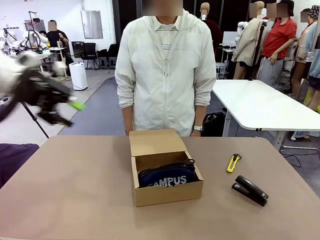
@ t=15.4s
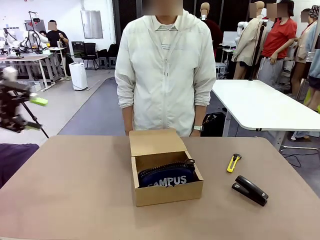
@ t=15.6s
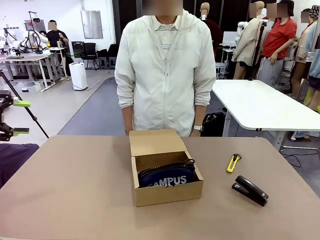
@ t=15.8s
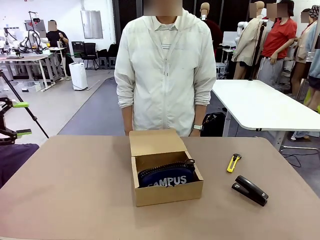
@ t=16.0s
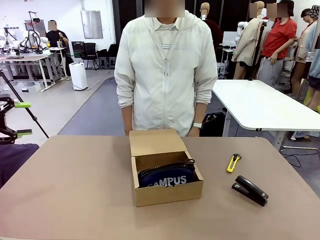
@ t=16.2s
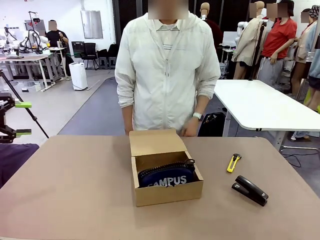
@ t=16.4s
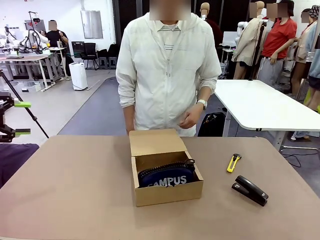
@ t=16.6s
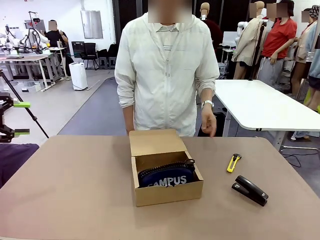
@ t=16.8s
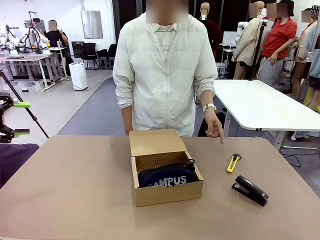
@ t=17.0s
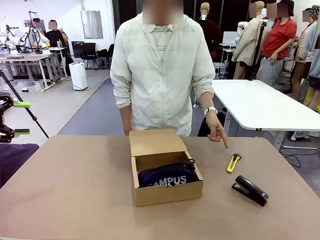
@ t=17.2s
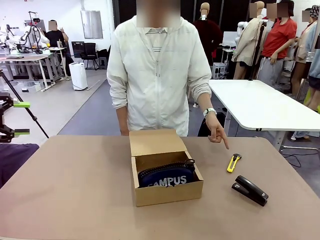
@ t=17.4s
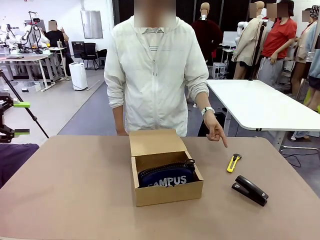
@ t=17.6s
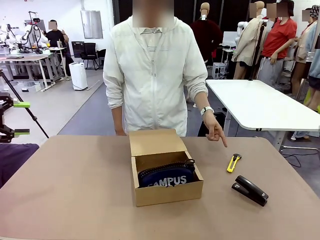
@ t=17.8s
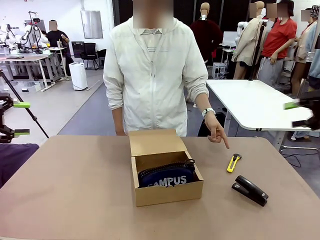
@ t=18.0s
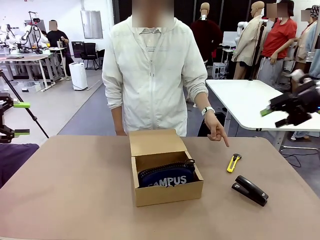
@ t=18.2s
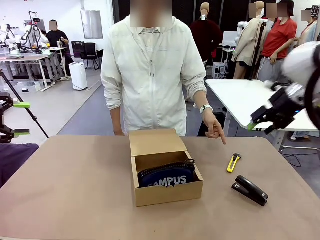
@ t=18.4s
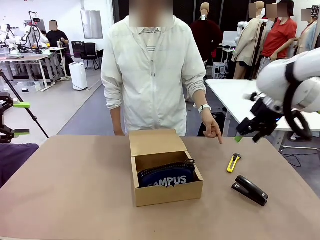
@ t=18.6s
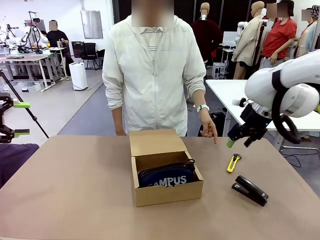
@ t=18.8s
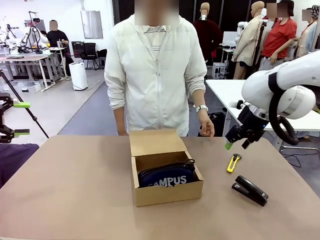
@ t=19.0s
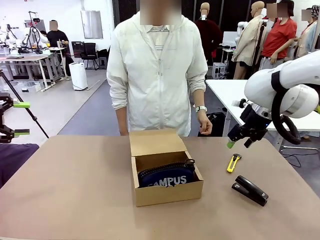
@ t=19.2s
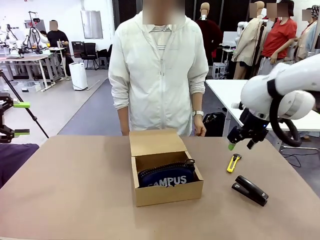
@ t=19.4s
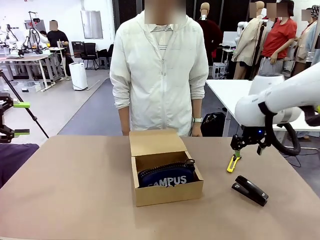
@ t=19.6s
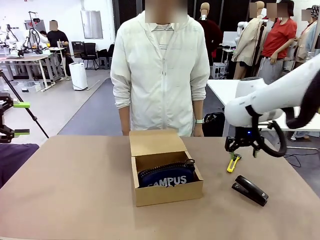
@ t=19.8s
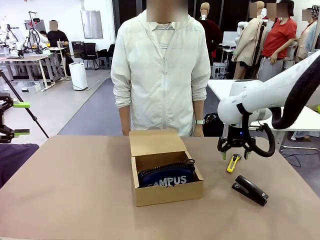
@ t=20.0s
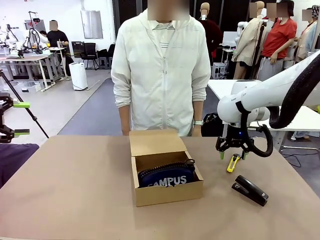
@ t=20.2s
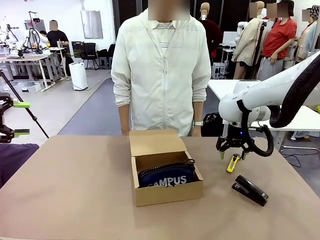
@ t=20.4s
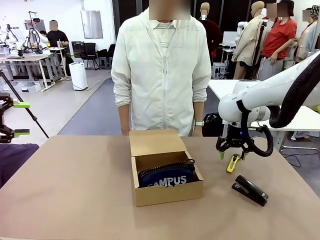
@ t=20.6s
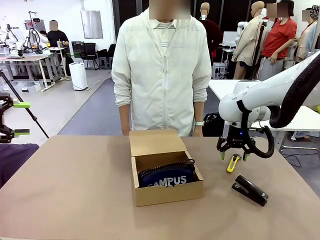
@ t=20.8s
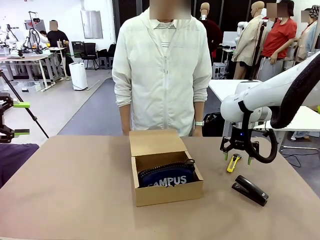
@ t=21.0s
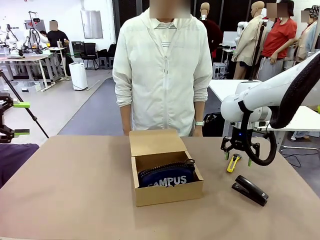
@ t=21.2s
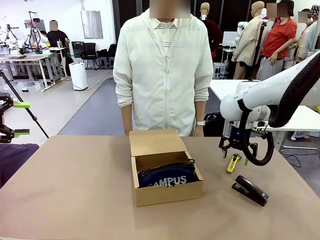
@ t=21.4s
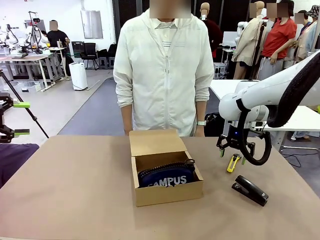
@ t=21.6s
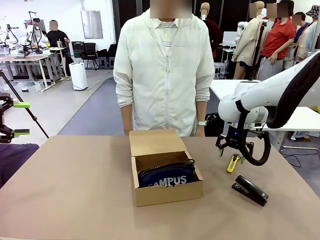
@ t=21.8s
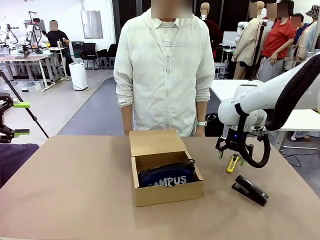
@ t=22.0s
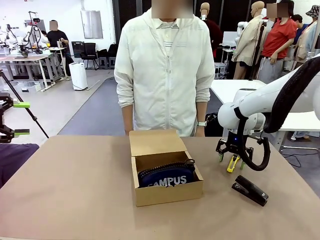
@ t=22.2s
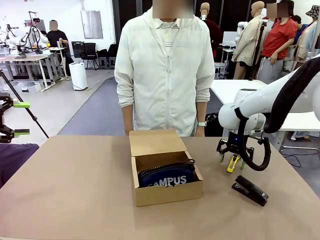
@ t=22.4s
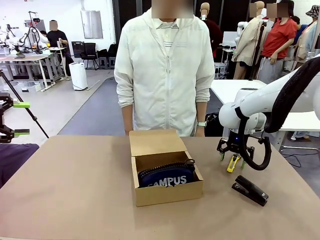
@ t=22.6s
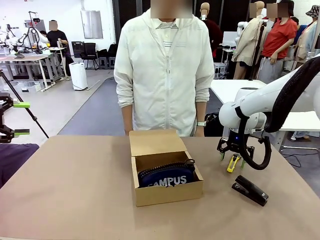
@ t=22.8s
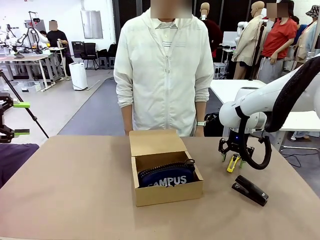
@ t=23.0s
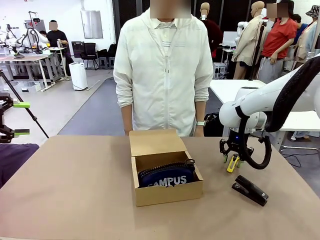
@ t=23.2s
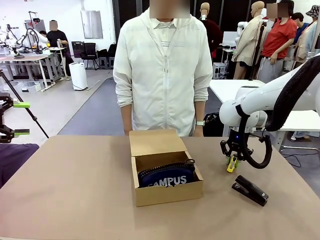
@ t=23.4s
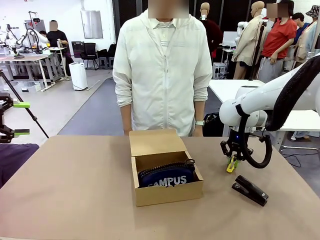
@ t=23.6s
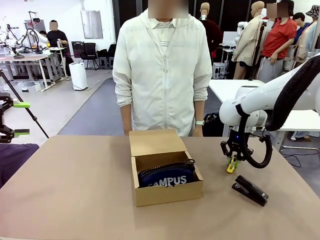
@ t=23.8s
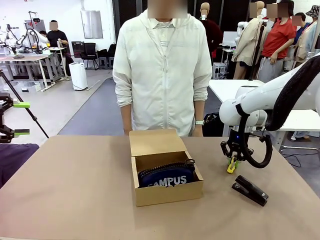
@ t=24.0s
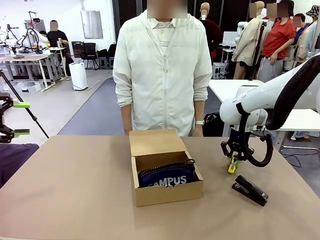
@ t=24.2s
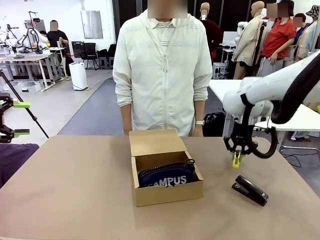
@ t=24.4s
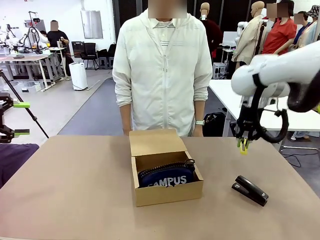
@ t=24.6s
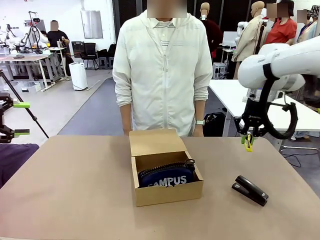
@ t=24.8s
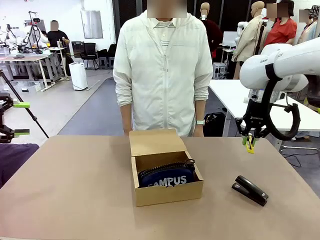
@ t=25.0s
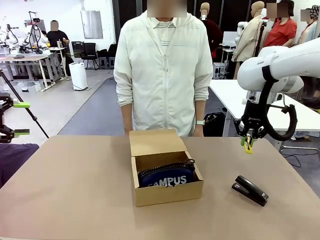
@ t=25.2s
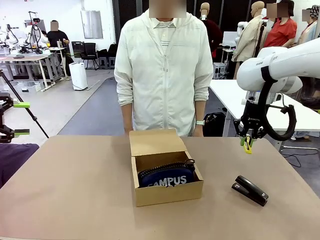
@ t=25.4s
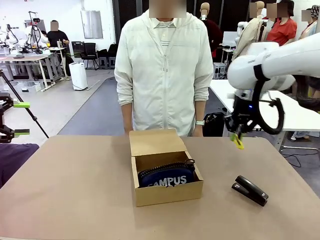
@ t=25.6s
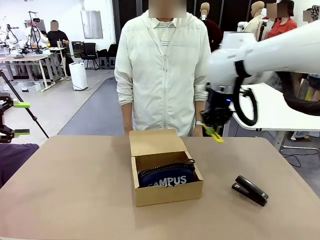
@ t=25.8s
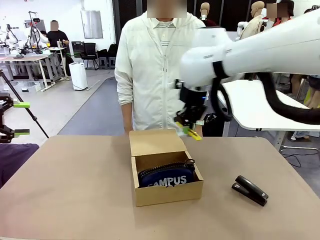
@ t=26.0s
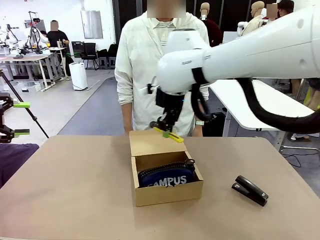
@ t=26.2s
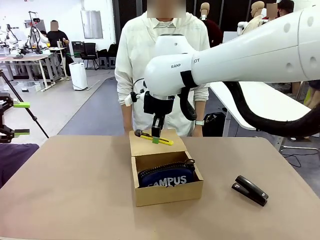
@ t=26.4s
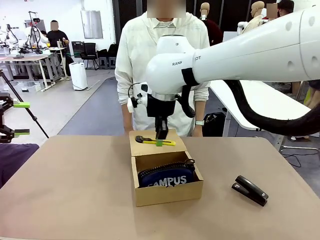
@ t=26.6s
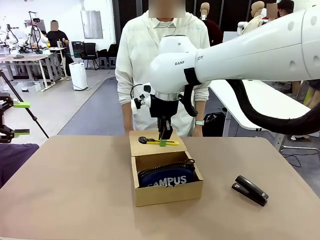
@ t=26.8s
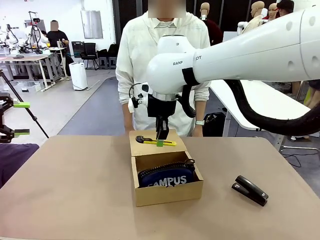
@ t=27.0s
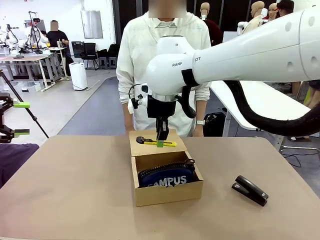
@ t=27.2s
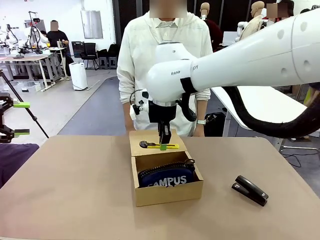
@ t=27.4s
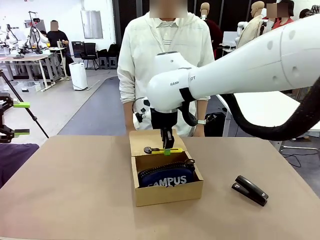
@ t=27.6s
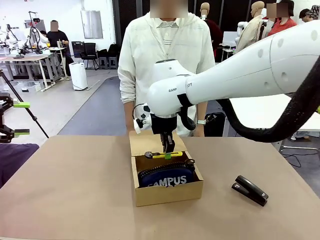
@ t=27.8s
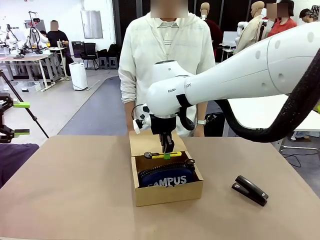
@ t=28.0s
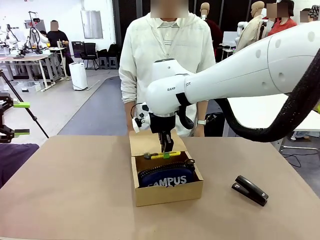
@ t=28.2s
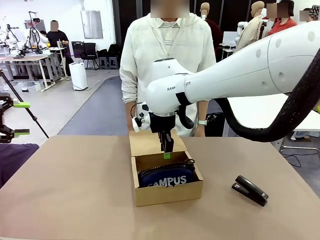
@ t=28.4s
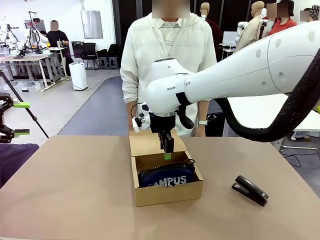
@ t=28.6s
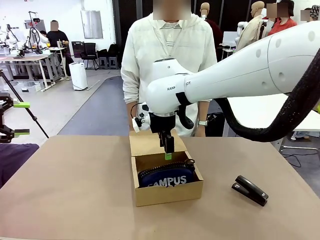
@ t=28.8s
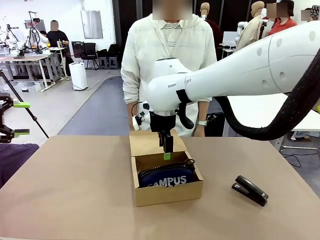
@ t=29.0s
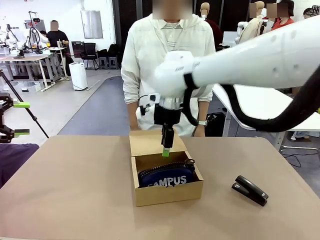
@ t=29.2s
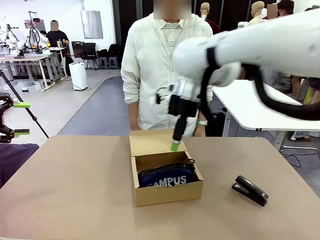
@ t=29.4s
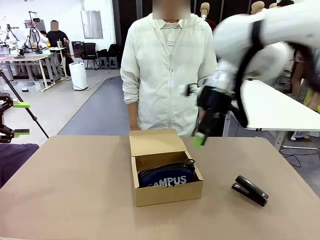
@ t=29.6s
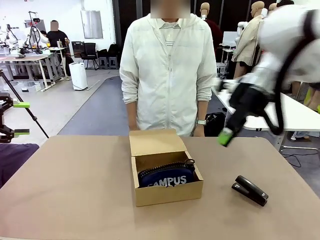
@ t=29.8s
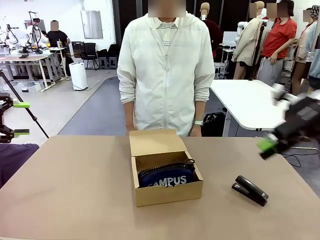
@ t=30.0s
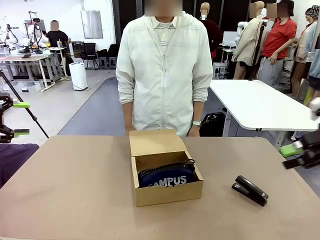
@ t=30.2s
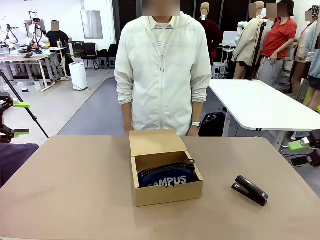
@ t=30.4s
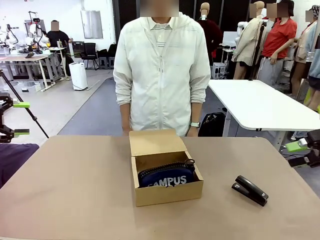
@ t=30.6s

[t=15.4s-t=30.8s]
Task: Pack the items into the box.
Robot: Pick up the item specified by the human and place it in the Mailer Box.
Person: Lower both hands vertically with palms facing downward, as if pressing something closed.

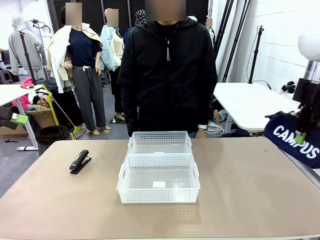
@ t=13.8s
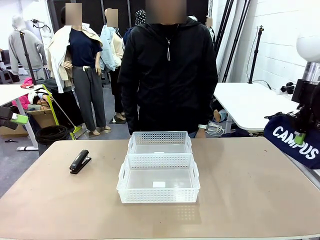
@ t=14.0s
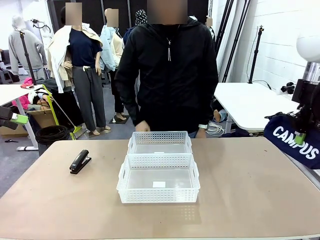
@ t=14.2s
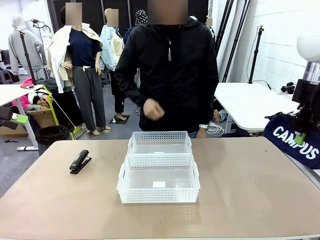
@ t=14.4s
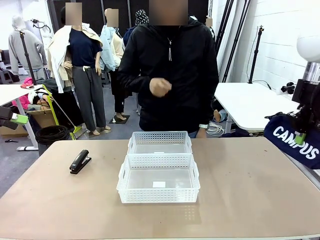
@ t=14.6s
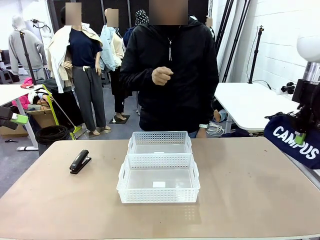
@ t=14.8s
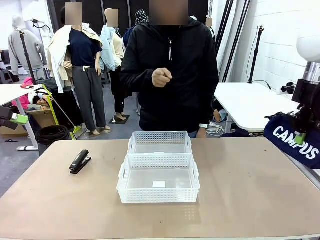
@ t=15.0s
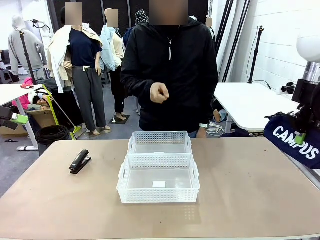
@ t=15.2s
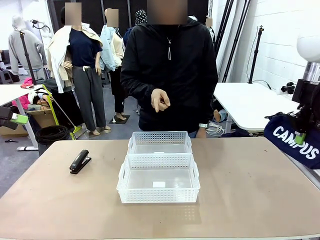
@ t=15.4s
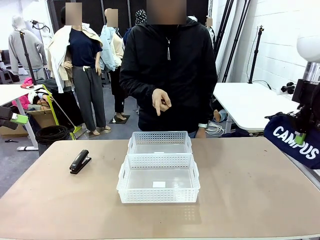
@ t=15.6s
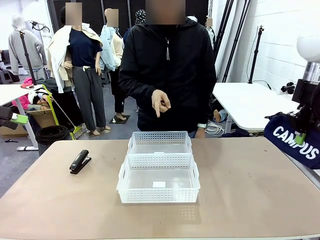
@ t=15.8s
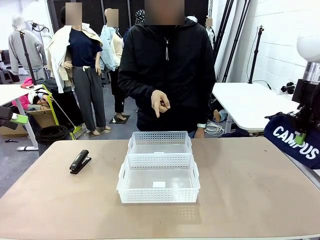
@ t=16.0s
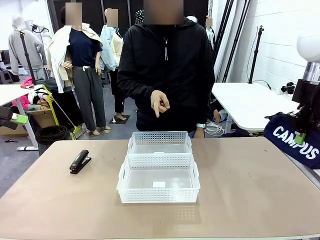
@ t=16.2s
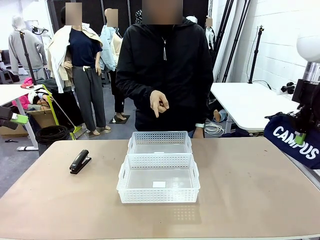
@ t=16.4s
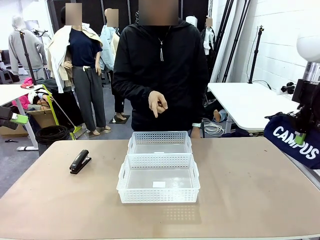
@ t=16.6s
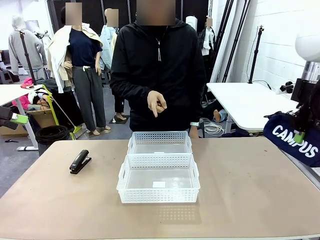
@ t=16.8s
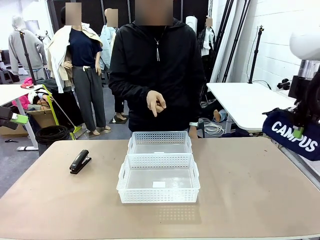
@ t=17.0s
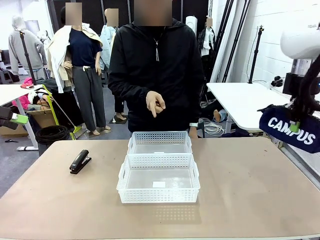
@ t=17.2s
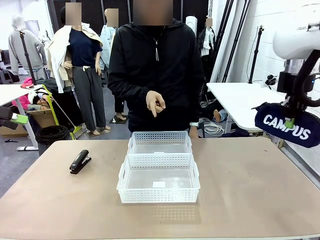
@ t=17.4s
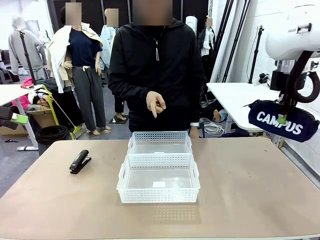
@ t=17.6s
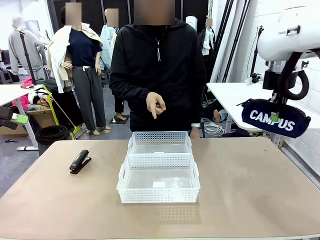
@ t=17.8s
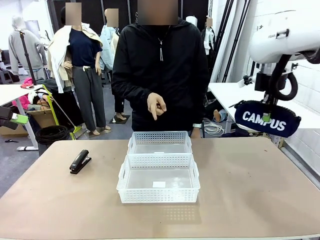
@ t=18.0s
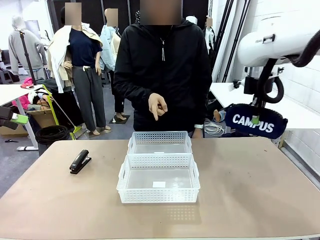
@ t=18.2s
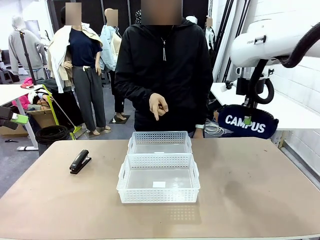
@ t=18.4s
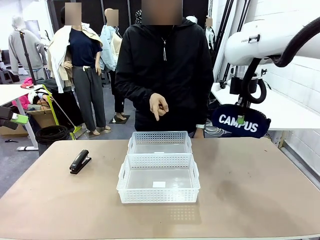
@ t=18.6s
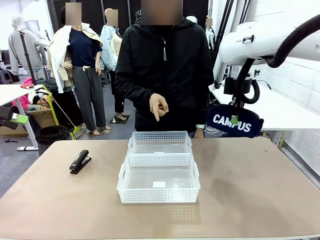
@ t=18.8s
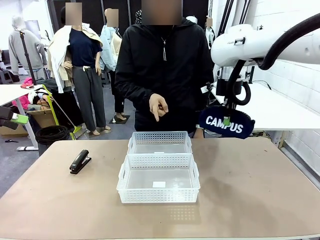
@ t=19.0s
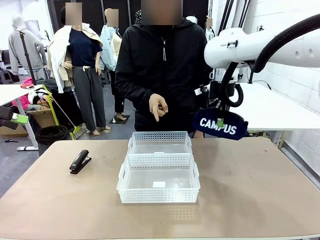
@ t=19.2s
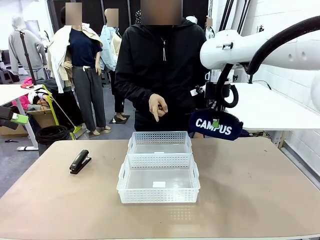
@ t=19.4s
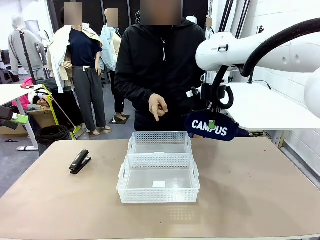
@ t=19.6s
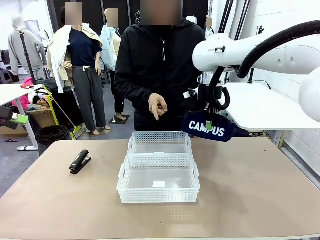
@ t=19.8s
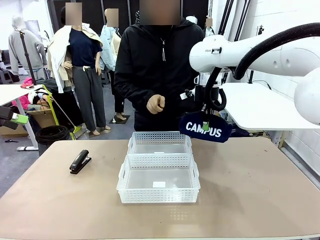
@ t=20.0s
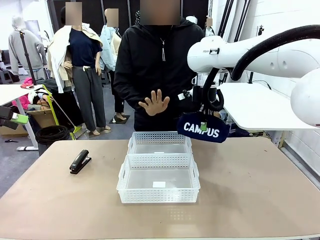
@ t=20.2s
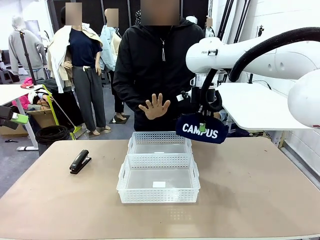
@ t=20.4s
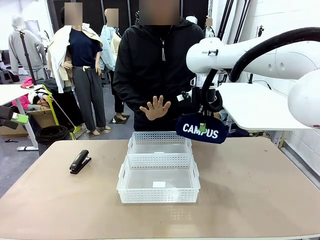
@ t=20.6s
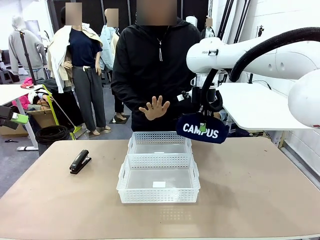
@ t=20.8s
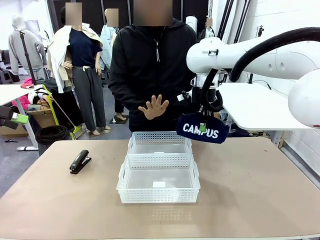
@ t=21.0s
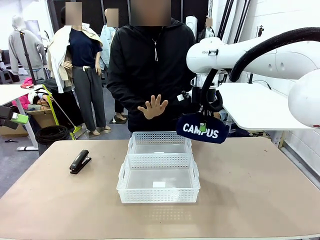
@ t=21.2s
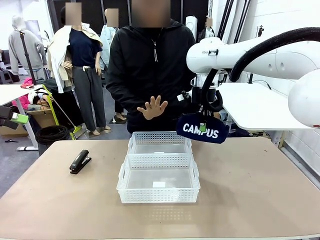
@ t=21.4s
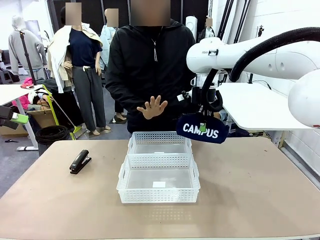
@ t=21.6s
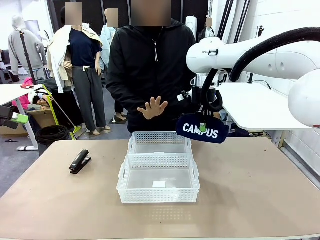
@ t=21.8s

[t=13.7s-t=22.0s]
Task: Distribute items into two baskets.
Robot: Move the picked Pencil pouch towards the Organizing basket indicated by the person, stopping as directed.
Person: Sends a stop gesture before the robot places the pencil case into the basket.
